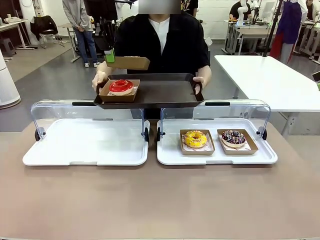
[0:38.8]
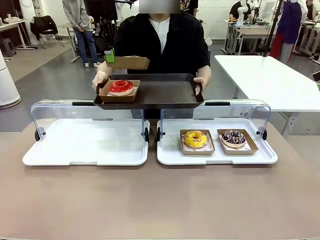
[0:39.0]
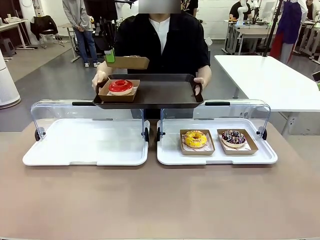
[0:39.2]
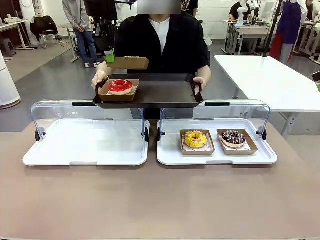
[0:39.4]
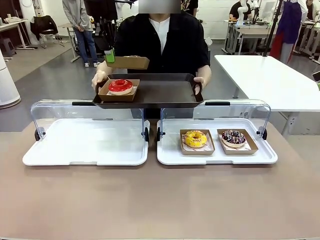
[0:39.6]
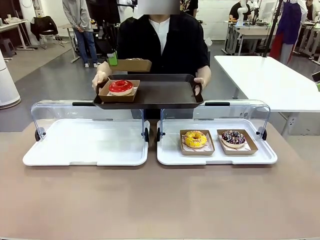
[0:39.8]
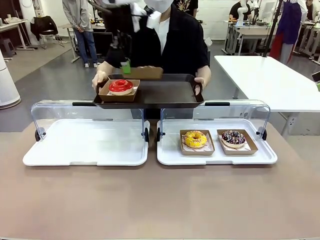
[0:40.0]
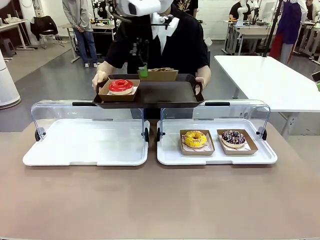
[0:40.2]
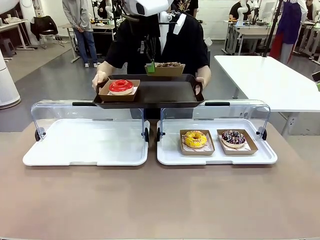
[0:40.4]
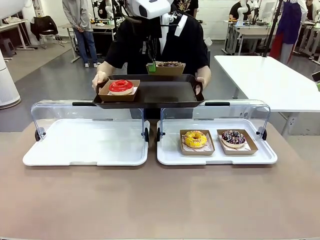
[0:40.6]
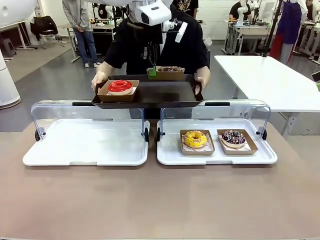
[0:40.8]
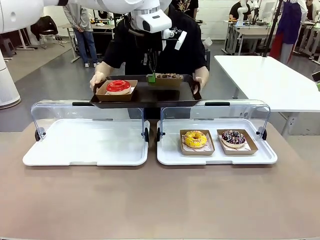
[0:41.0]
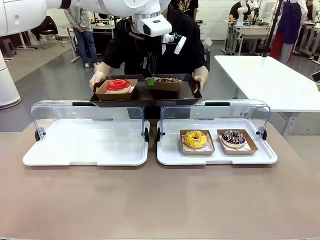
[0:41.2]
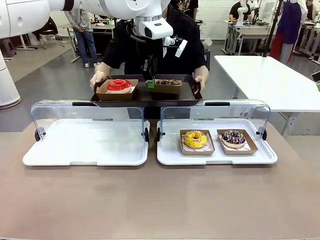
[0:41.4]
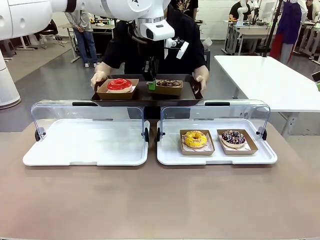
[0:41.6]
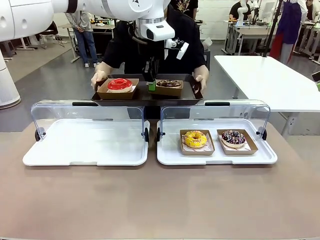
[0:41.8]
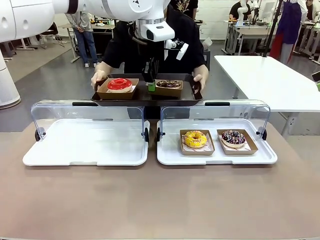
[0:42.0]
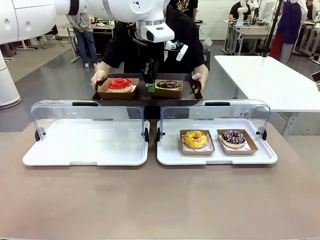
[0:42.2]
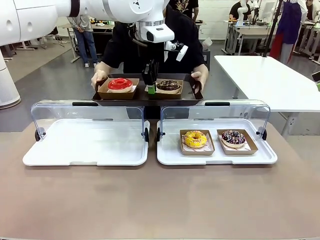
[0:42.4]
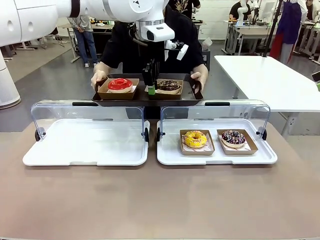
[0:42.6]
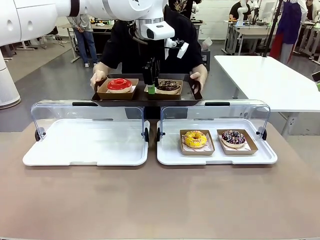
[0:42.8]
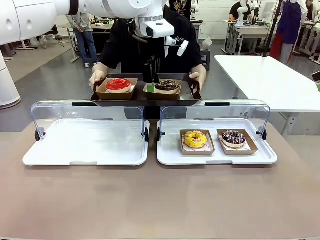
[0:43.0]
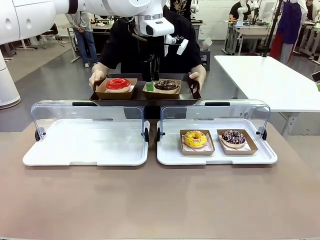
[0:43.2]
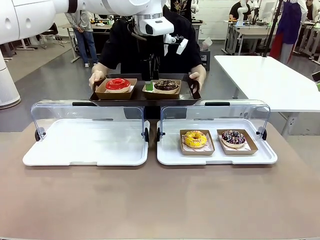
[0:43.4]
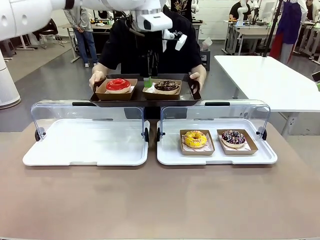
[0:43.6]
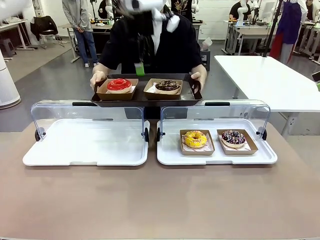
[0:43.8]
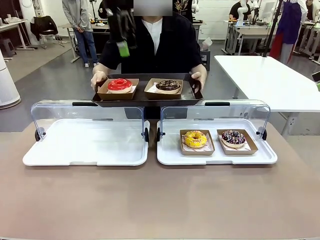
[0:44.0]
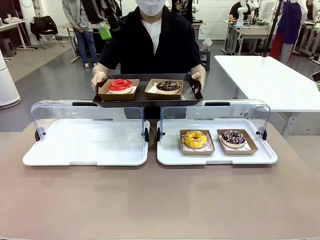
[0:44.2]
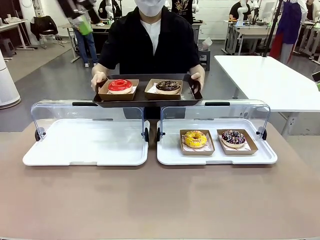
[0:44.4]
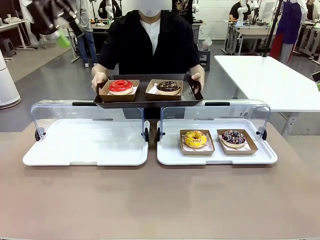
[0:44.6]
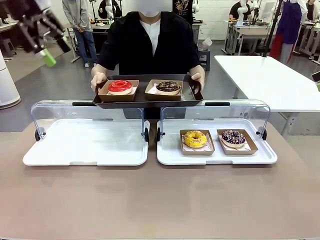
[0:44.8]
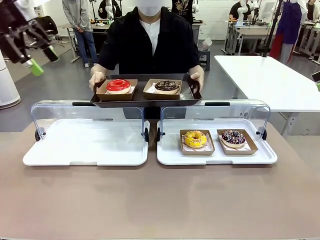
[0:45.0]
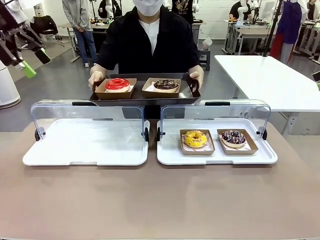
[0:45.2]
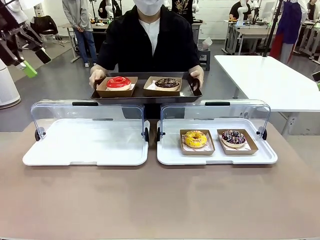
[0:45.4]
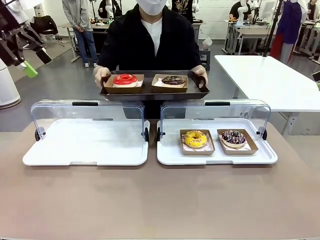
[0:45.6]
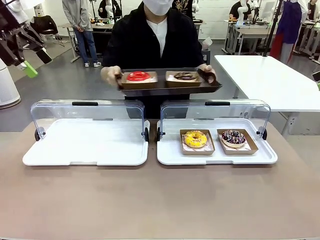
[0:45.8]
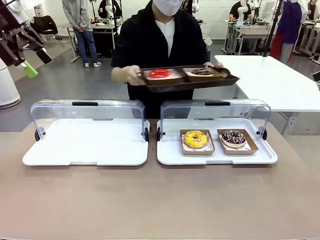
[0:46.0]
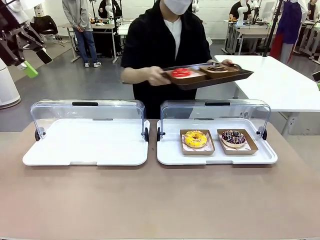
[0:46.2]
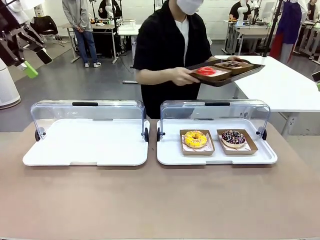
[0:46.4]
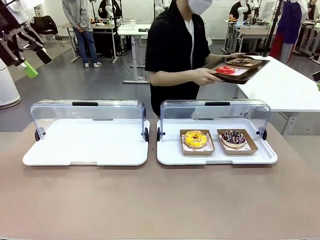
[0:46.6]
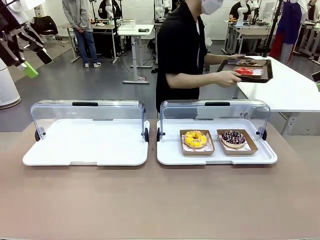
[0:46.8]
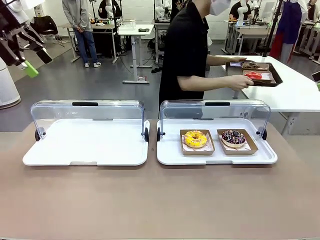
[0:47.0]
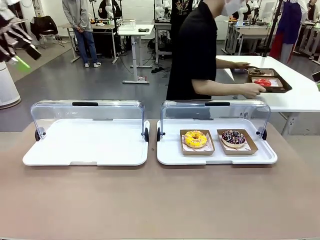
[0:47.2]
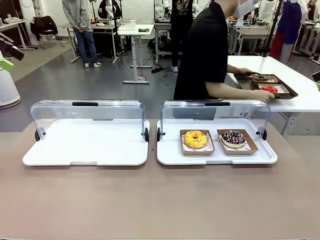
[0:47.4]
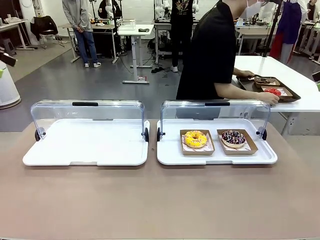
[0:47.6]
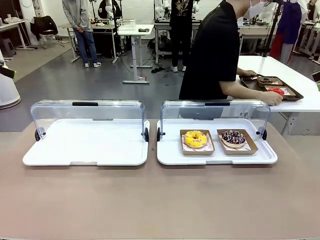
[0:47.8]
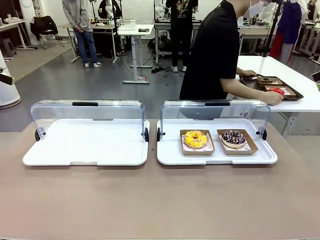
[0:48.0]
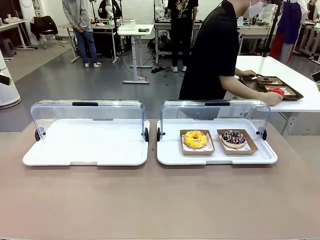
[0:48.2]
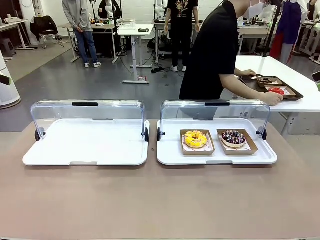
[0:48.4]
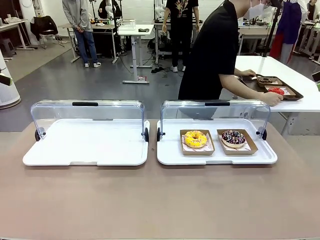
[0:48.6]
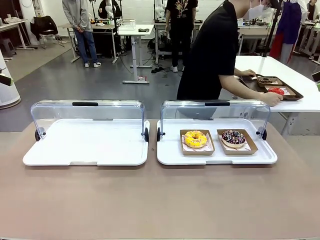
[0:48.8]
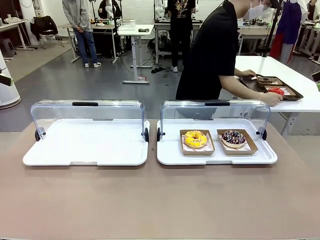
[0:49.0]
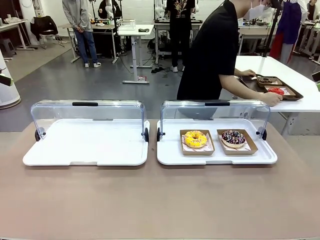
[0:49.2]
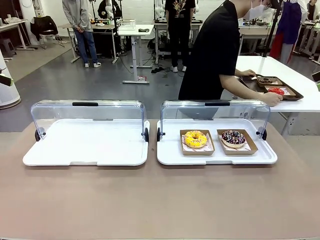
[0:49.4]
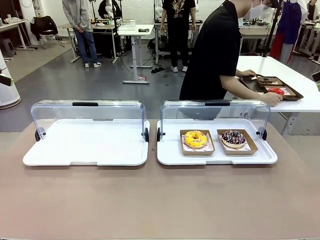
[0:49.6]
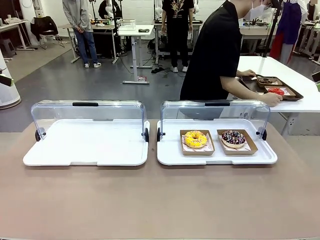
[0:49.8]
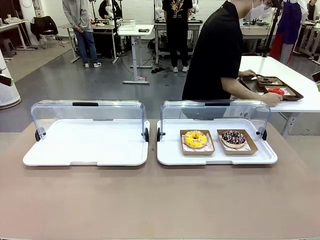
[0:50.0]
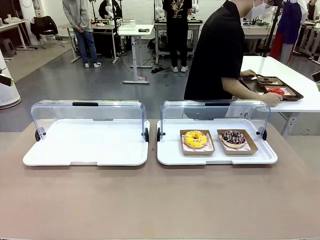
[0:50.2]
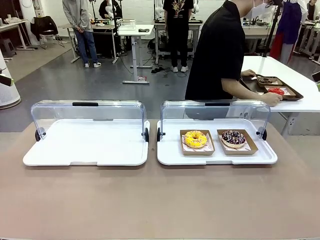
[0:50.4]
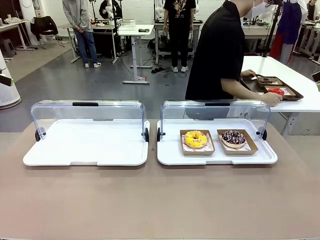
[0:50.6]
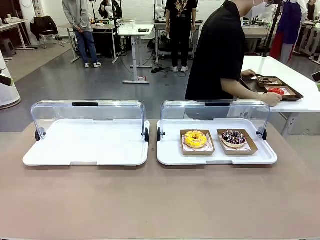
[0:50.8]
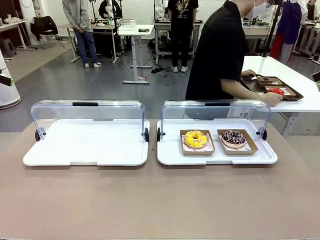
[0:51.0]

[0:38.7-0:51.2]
Task: Provide the desired donut to the person.
Robot: Place the picked Paper togo box onto the Handle tray extended by the person.
Person: Place the tray in the middle of the human table.

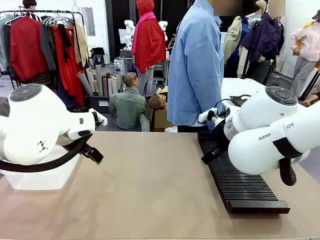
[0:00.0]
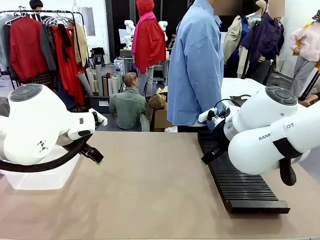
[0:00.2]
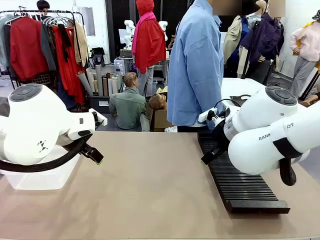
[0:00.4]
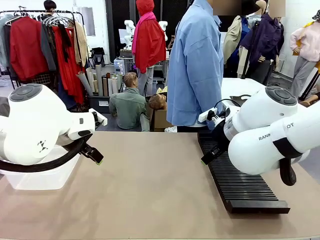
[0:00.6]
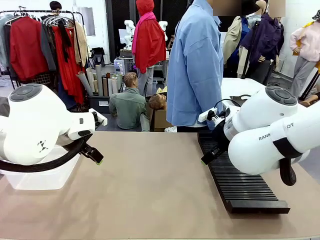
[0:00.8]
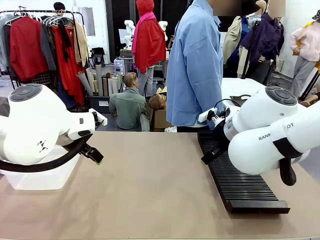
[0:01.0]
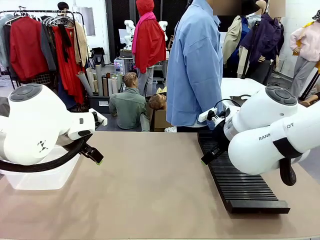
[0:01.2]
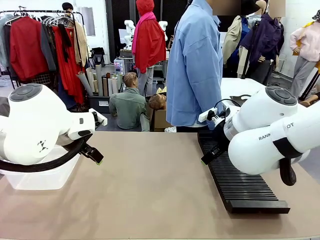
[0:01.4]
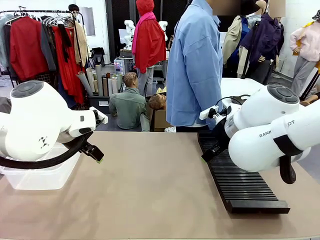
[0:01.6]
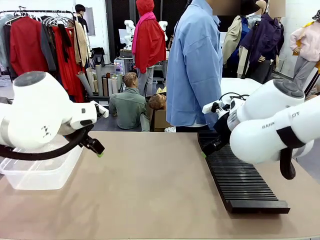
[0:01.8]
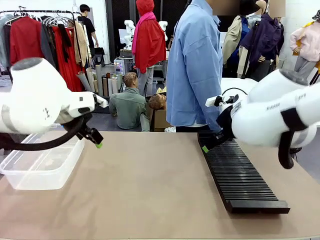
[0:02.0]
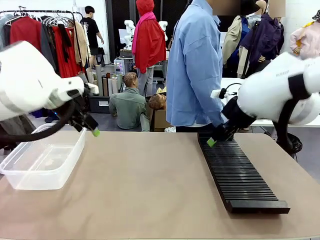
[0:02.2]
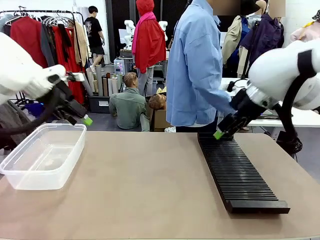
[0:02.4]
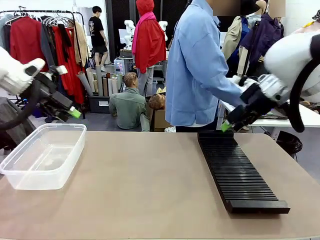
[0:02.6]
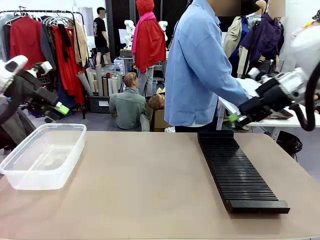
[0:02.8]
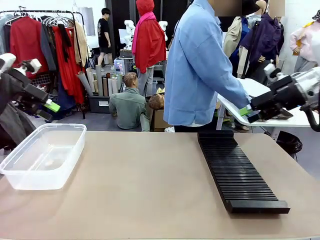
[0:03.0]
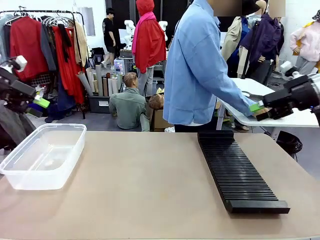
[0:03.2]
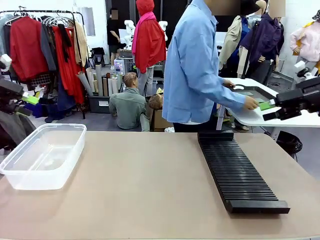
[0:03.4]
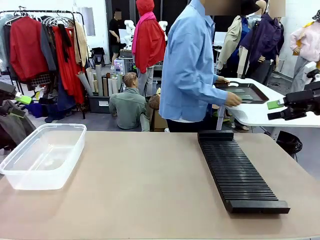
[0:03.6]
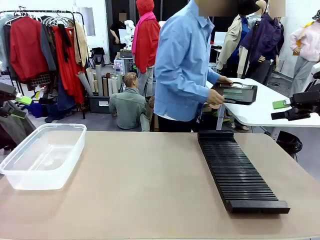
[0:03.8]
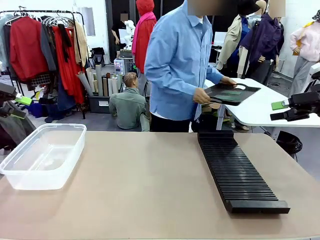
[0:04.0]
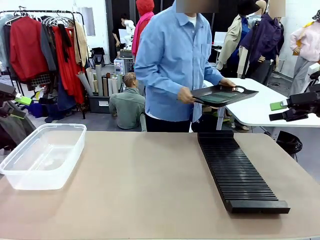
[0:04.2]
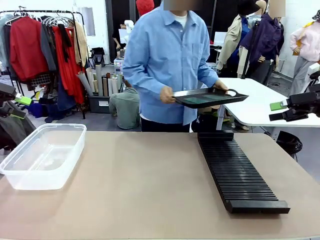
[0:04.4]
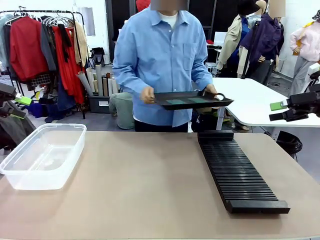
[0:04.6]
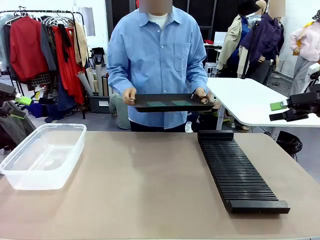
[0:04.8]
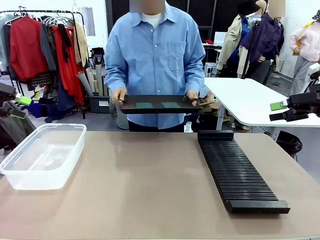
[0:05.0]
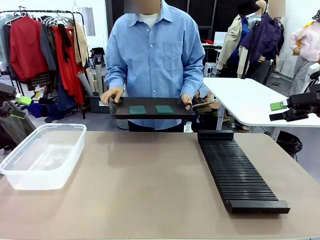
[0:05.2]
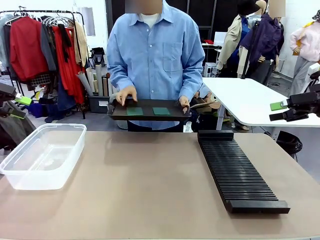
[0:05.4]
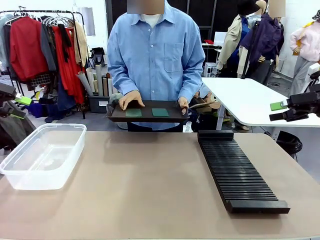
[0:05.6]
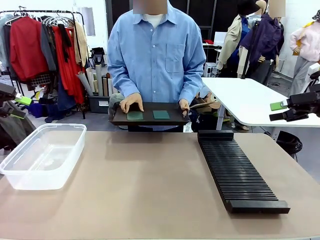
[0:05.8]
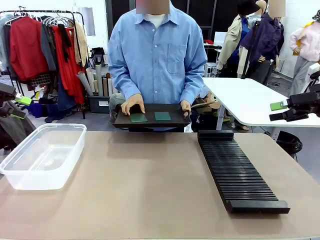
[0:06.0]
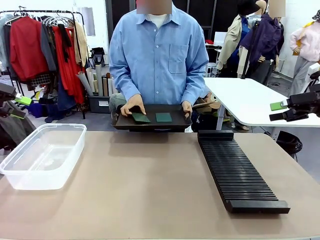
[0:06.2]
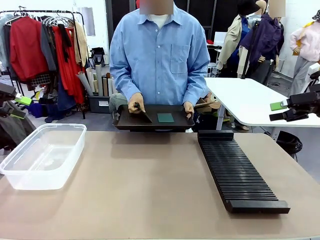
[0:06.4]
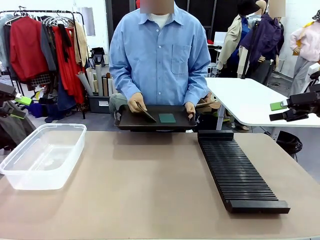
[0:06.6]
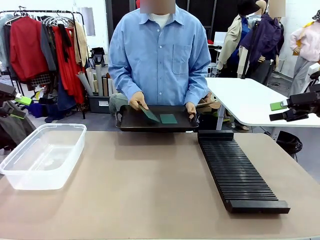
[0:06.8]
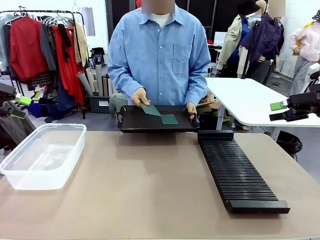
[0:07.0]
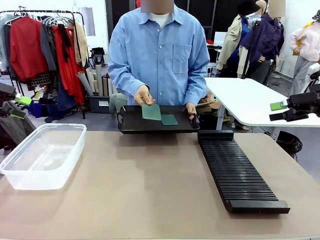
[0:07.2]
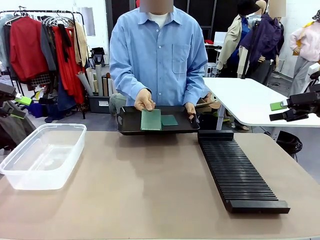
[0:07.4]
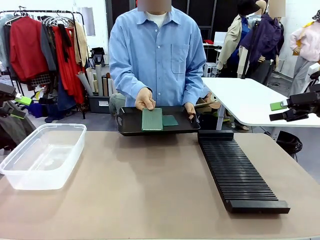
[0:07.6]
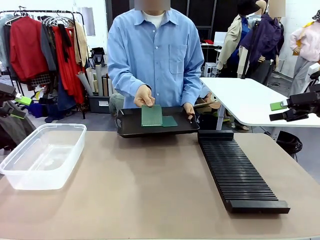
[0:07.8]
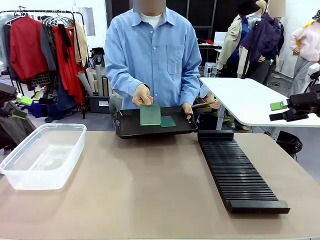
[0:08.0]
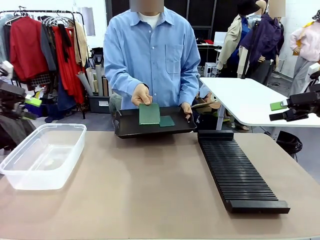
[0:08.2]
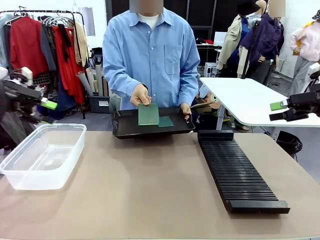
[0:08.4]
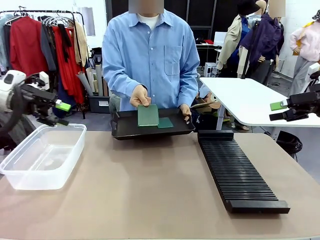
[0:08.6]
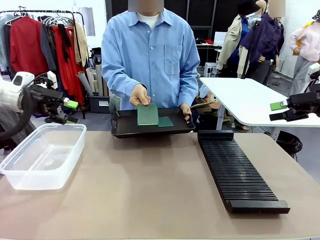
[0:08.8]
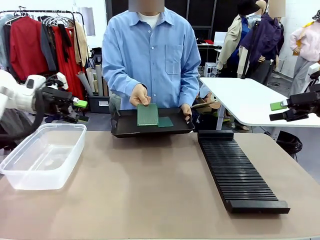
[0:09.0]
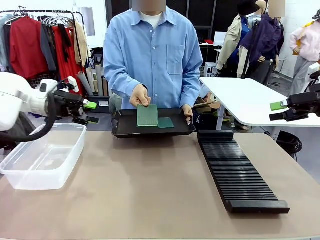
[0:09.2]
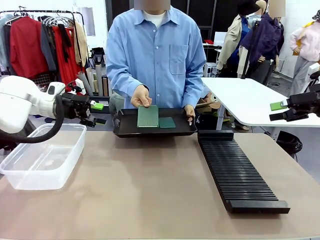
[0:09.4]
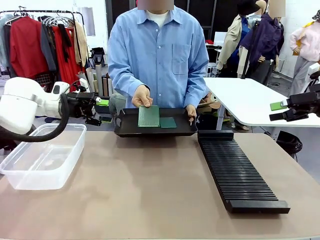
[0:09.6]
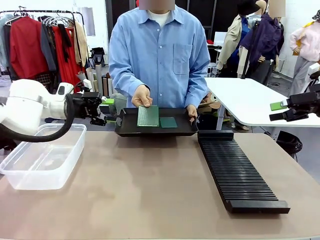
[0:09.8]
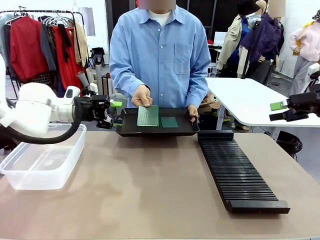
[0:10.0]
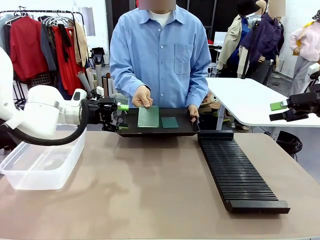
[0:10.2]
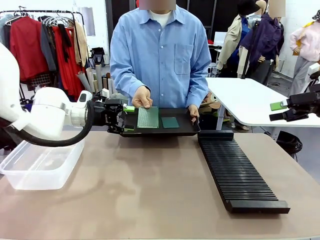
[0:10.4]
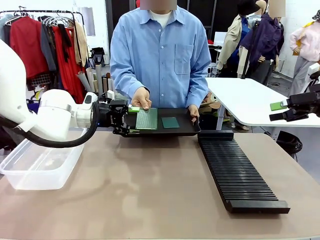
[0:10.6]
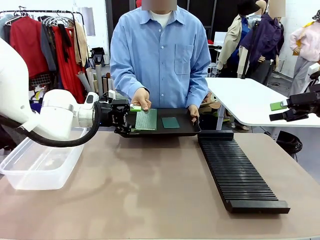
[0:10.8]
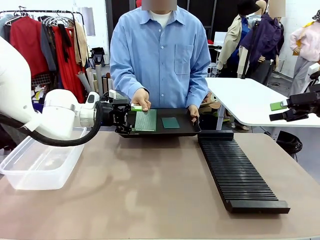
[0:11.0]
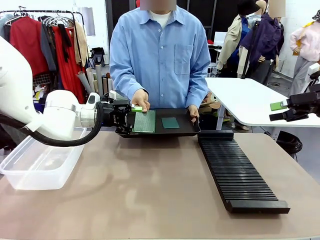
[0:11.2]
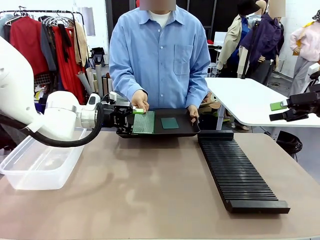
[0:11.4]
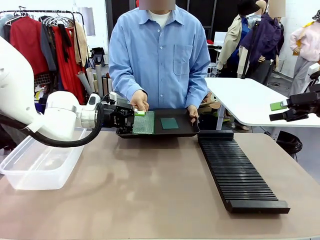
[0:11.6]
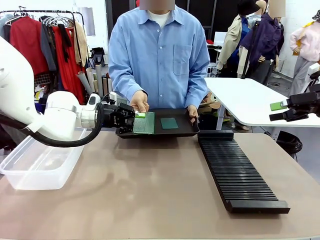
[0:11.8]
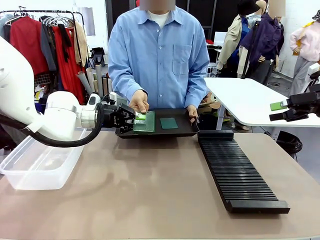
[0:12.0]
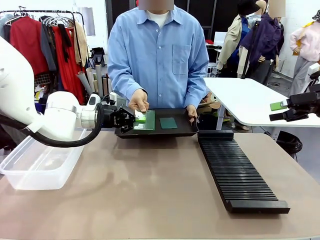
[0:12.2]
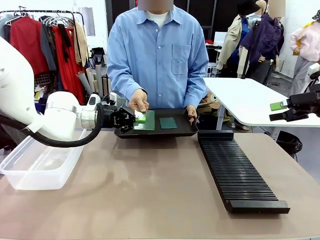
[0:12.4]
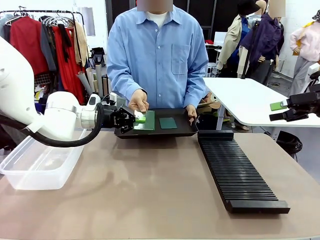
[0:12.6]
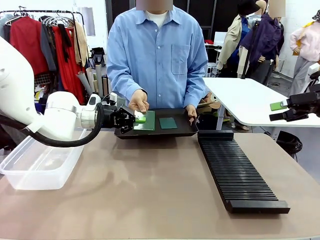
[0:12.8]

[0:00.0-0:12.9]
Task: Sort PCBs into racks and boxes based on the side picked up.
Robot: Pick up the Blank PCB handed by the Human.
Person: Pick one PCB from the tray and present it to the robot. Release the PCB being held.
